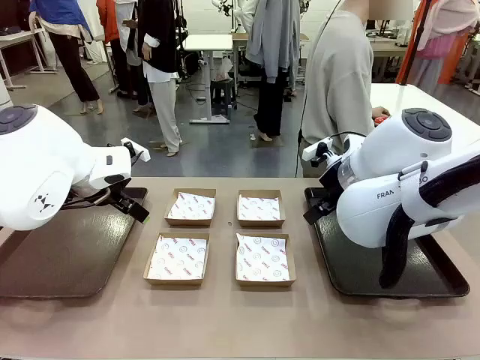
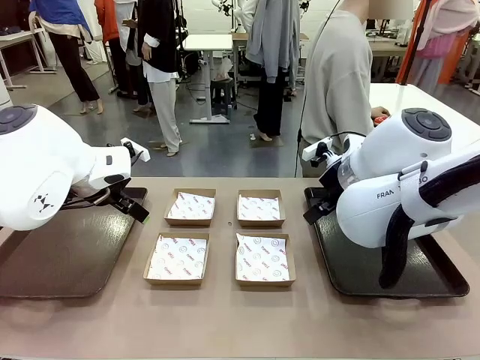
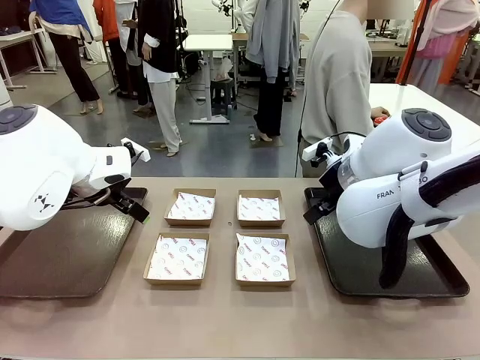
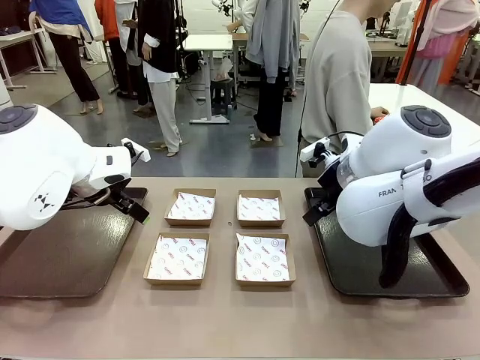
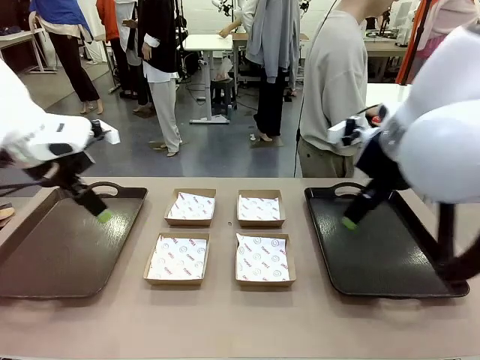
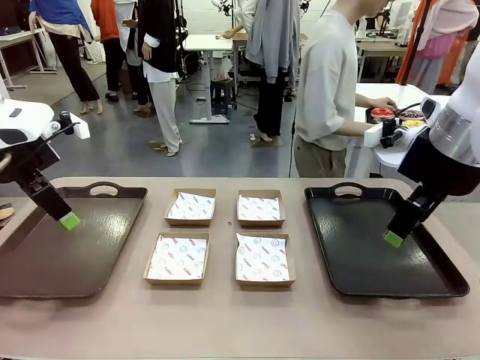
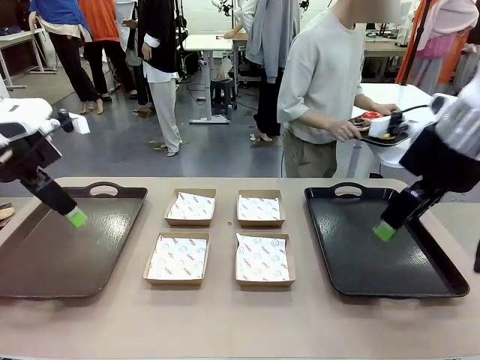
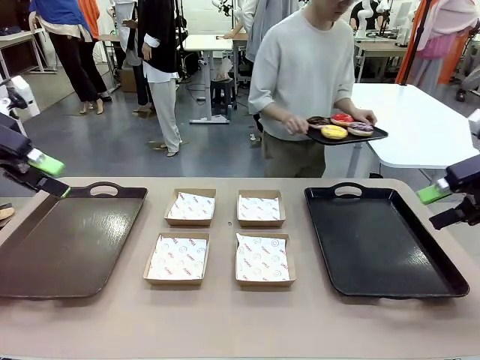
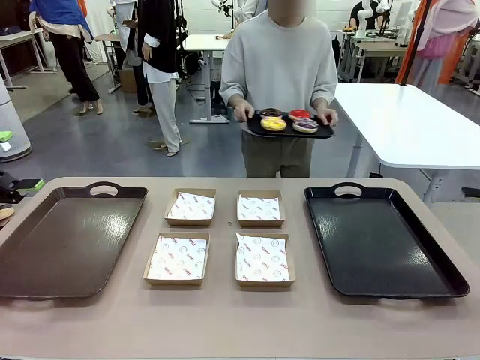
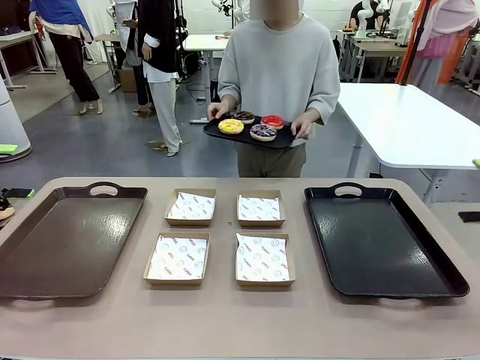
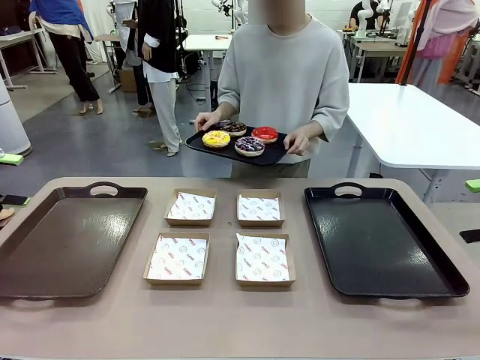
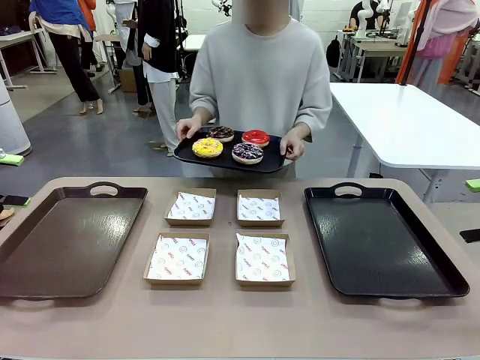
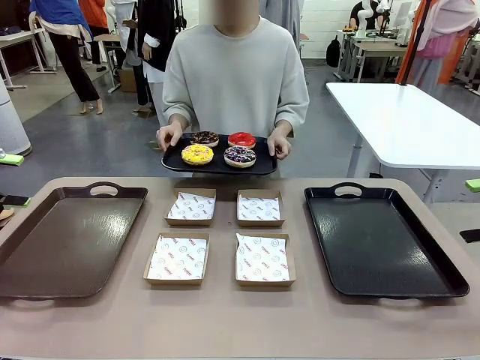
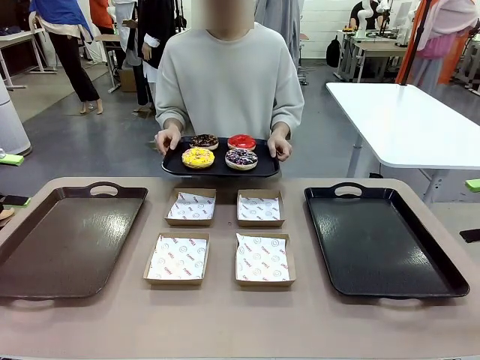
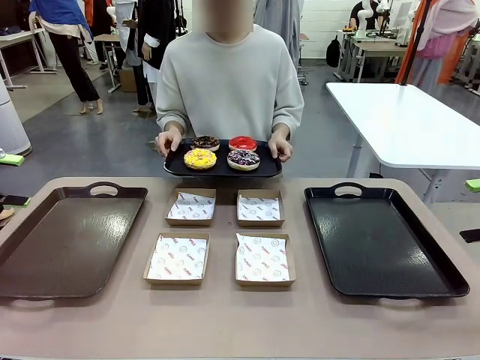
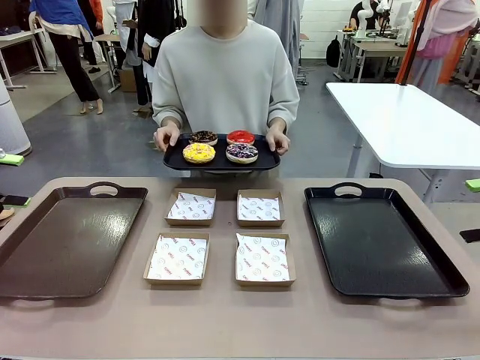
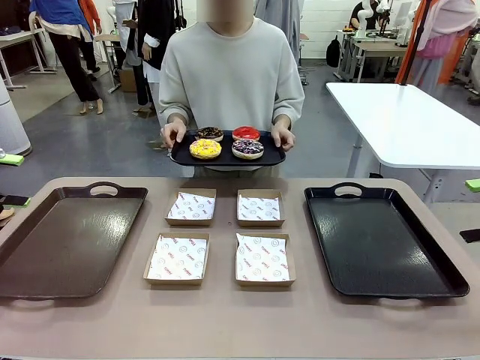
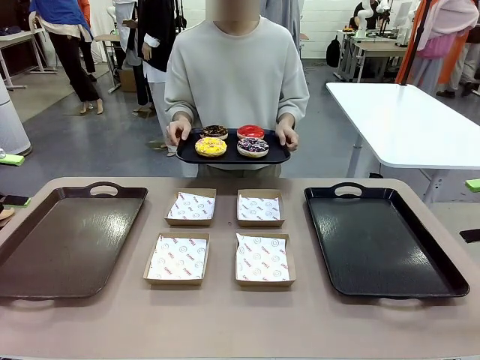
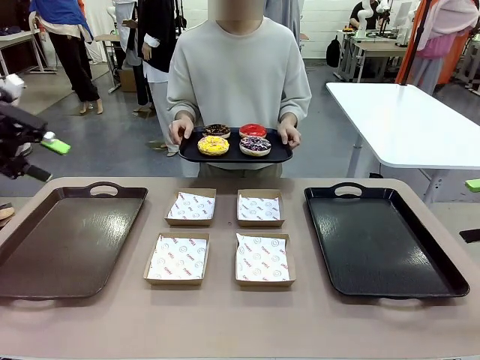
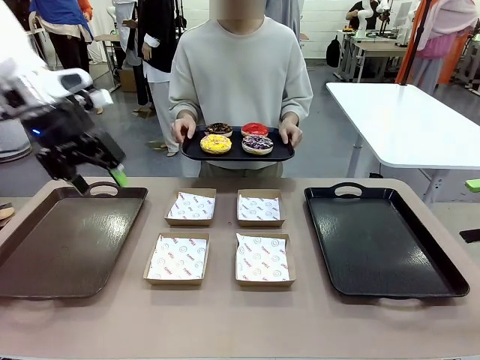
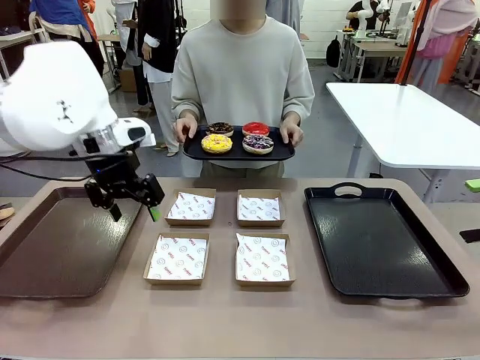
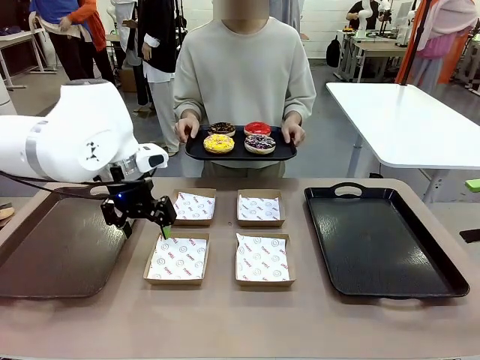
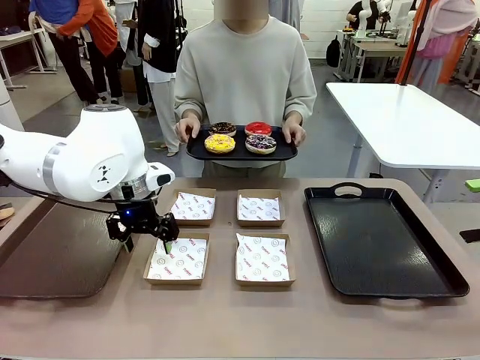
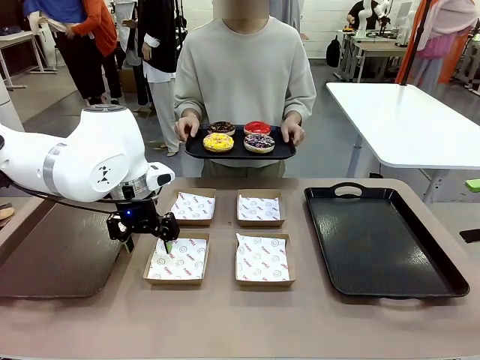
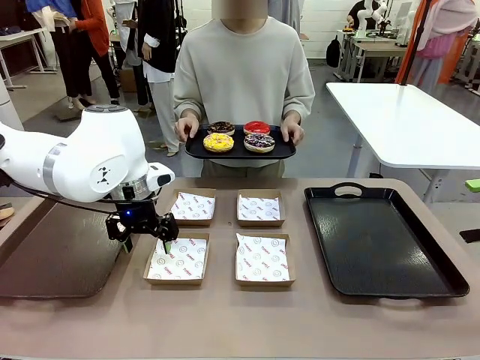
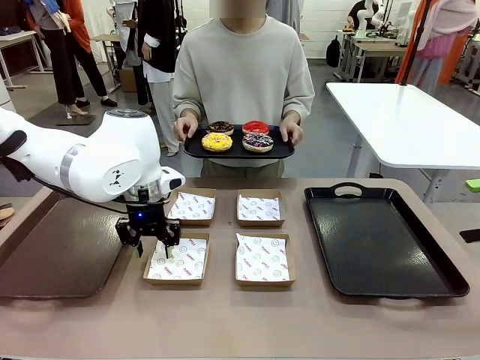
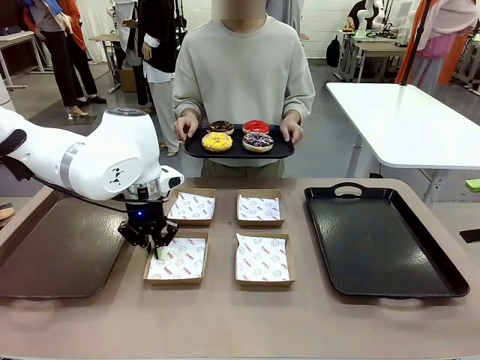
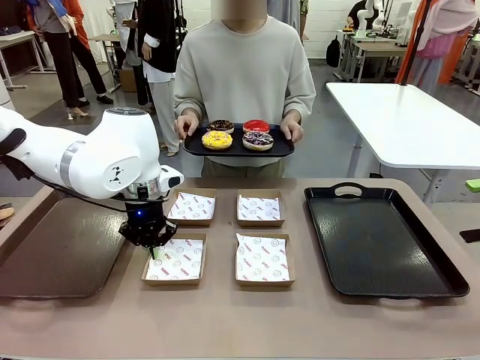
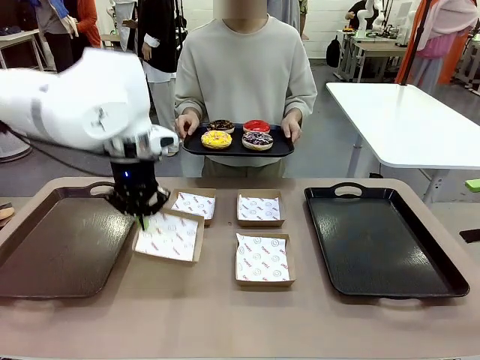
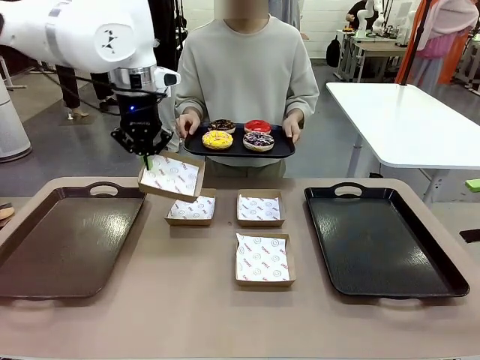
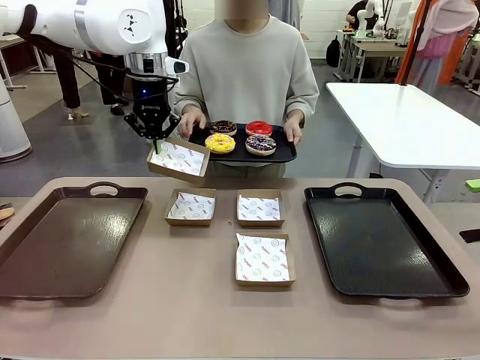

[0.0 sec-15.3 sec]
Task: Individually package the donuts and arrange them on the tray.
Robot: Pick up one Paper togo box.
Person: Stand in front of the robot table holding the tray containing the donuts.

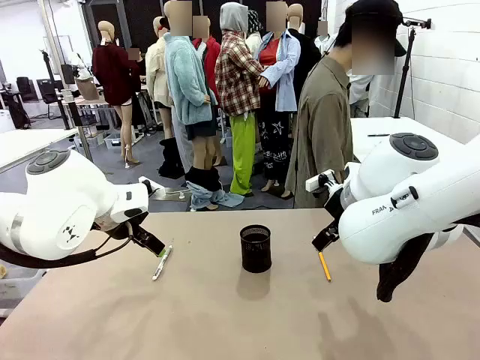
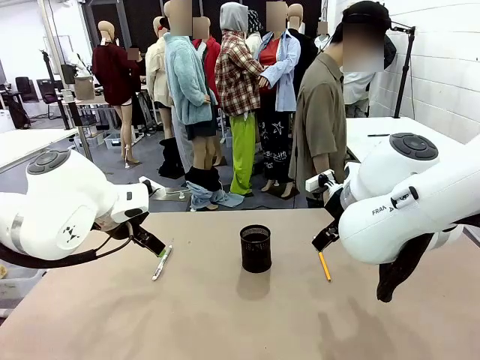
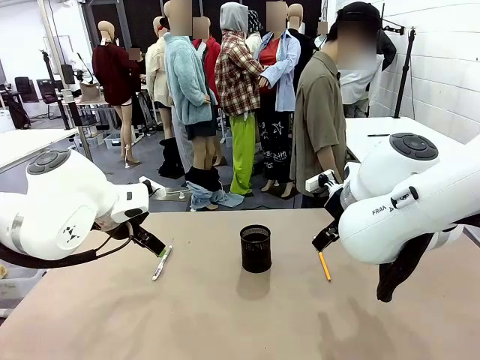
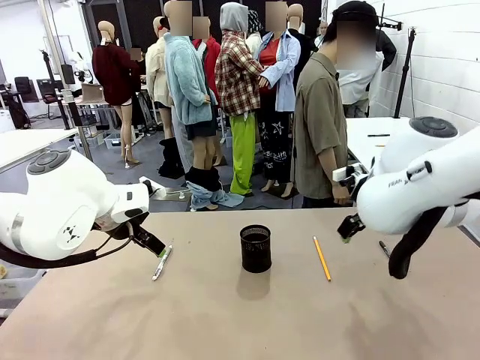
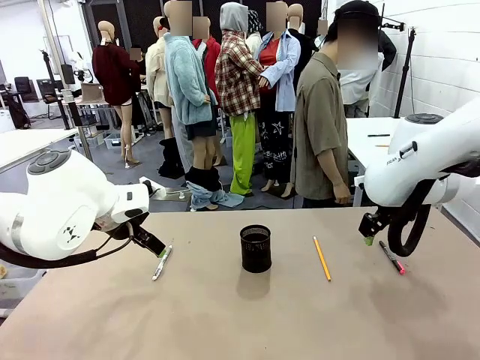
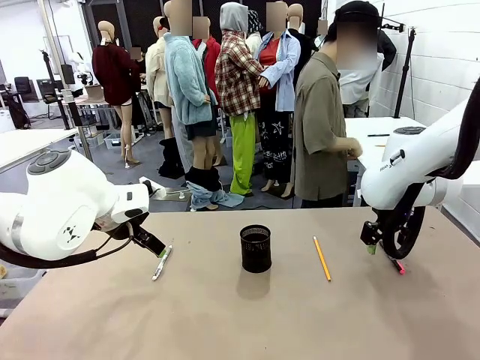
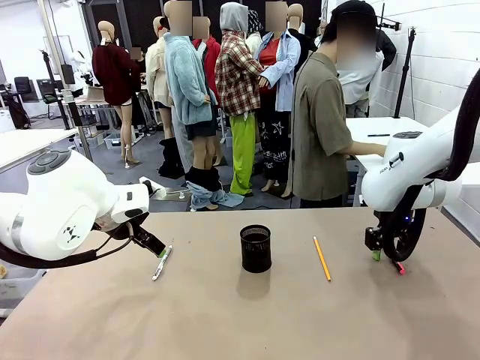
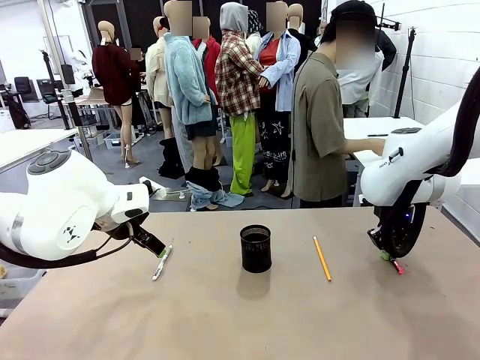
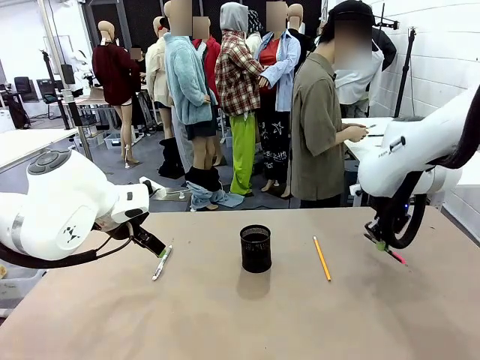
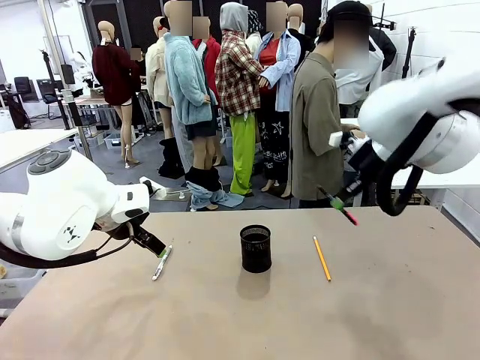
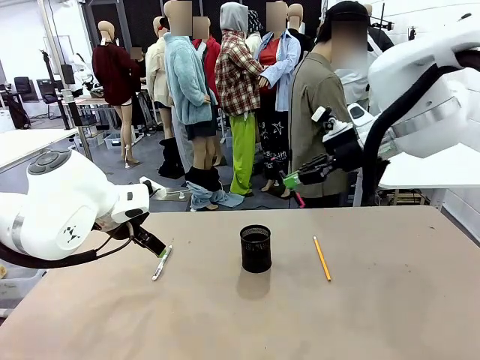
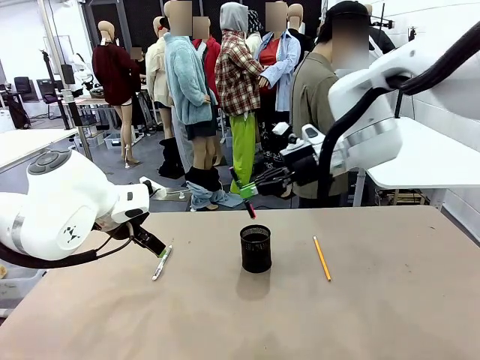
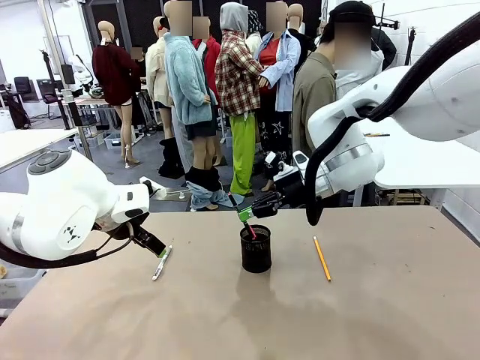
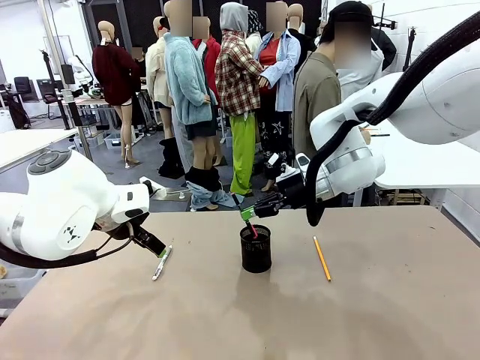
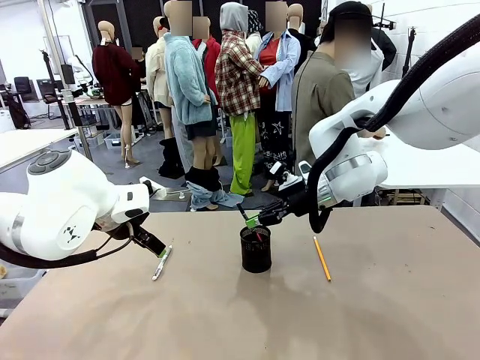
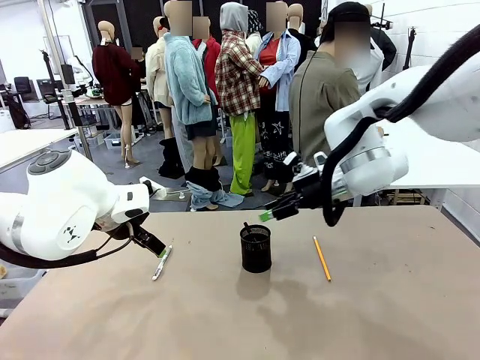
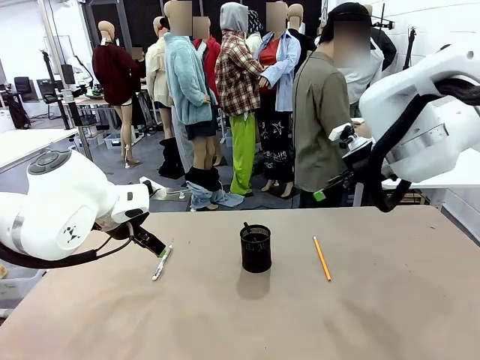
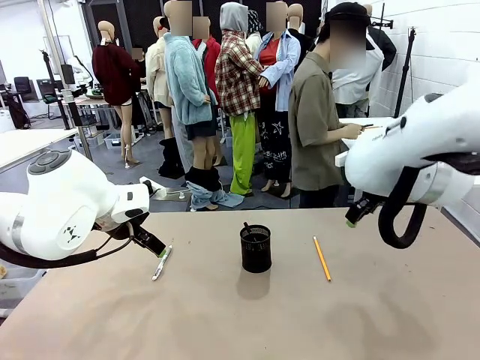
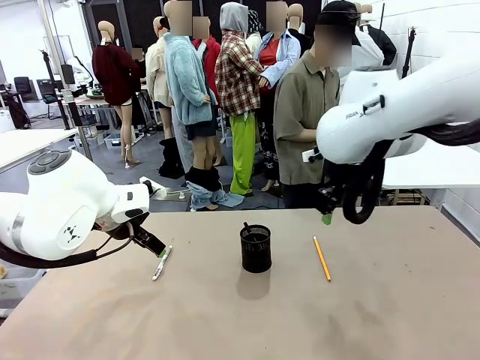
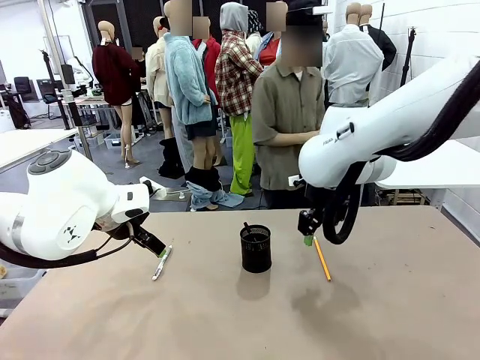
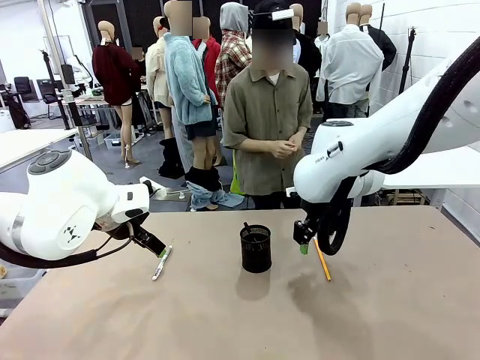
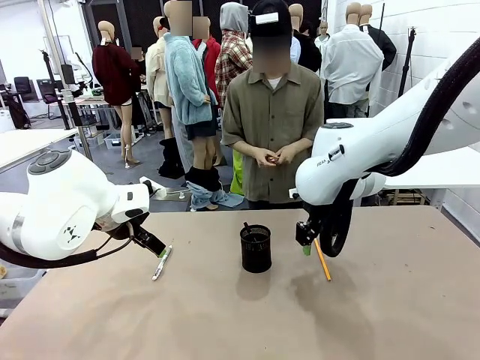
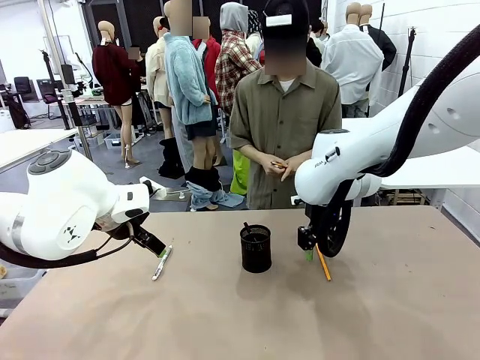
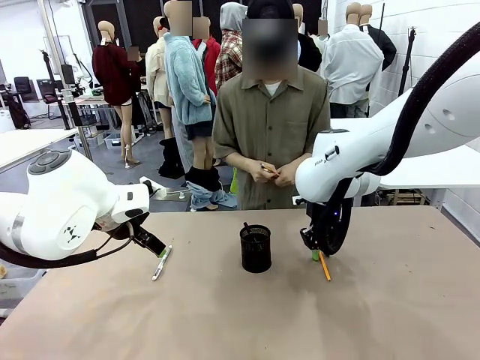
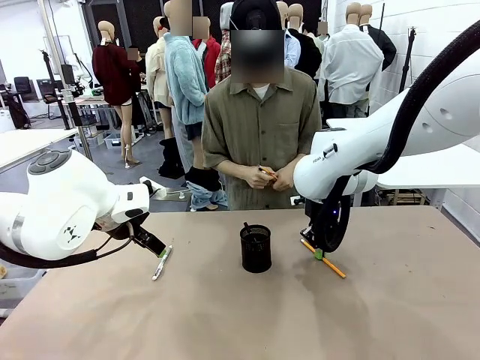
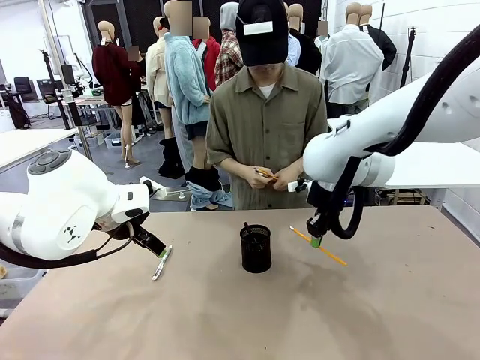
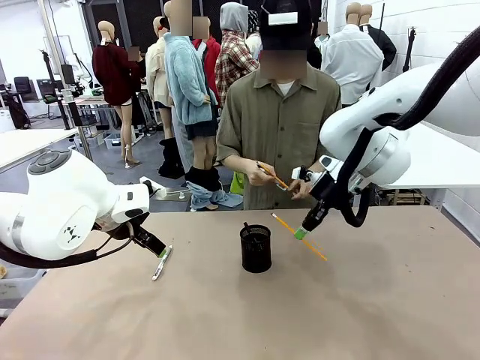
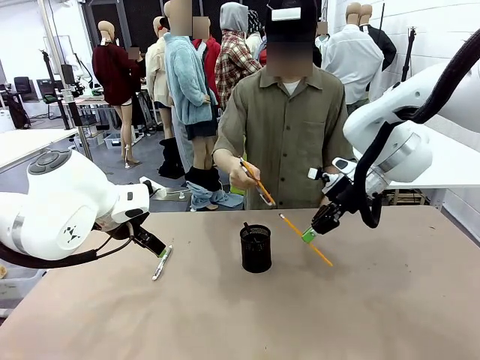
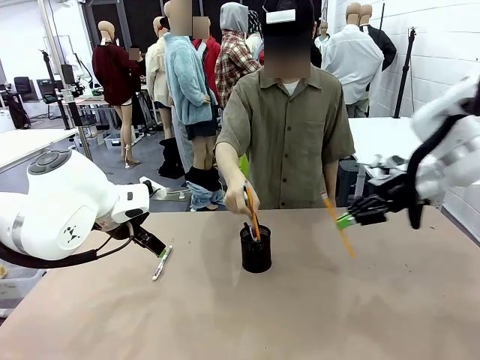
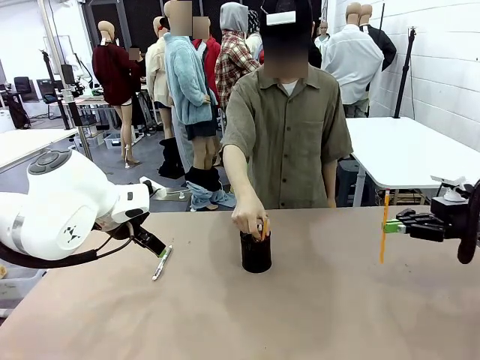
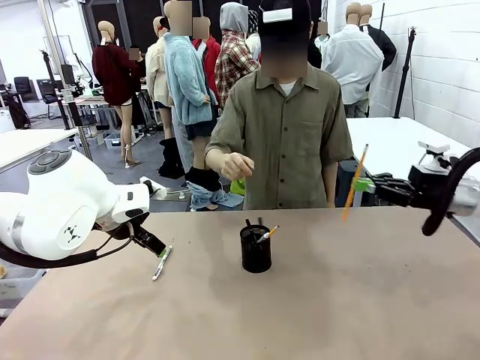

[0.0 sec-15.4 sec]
Task: Place the pens into the pen holder.
Robot: Pick up a writing instrument from the table and place it into the Pen holder.
Person: Pick up all writing instruments from the Human table.
